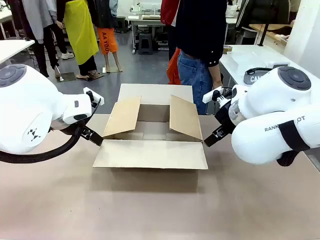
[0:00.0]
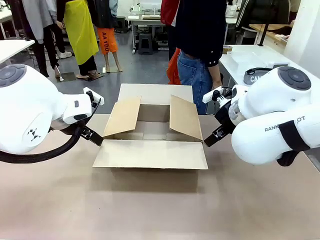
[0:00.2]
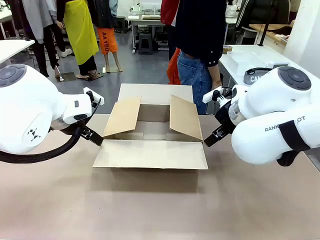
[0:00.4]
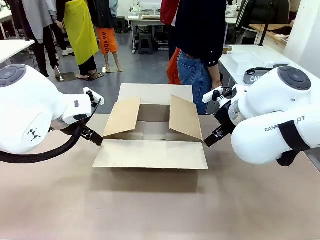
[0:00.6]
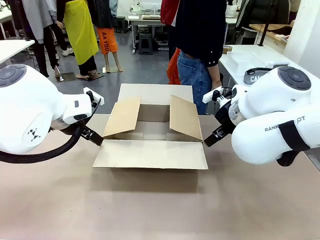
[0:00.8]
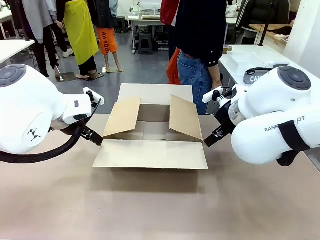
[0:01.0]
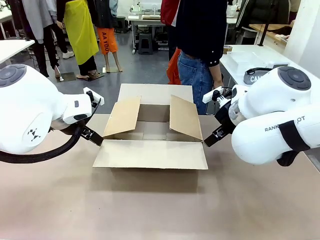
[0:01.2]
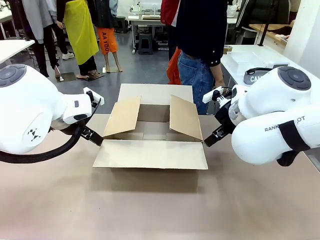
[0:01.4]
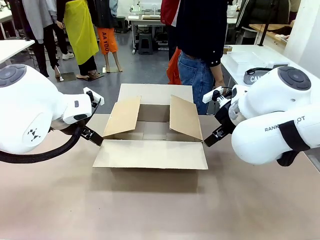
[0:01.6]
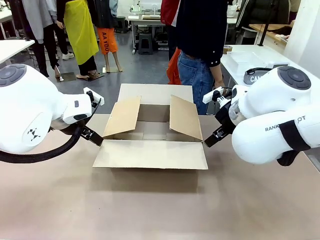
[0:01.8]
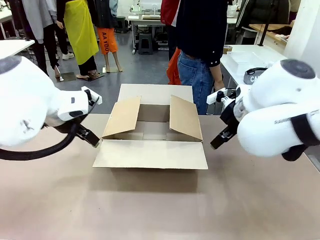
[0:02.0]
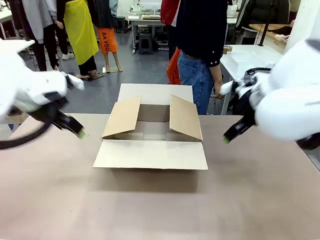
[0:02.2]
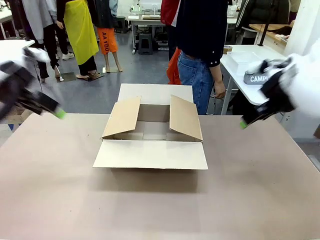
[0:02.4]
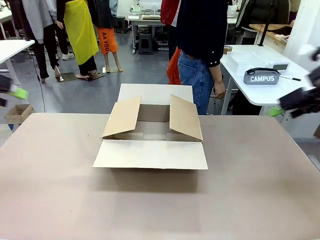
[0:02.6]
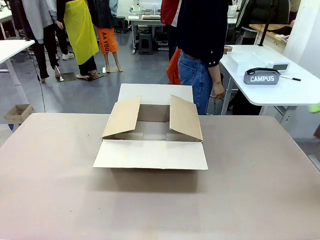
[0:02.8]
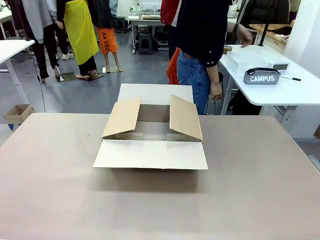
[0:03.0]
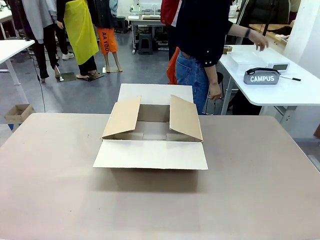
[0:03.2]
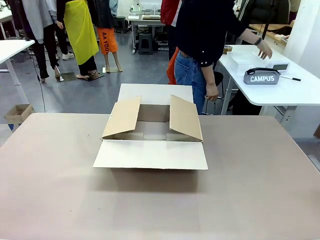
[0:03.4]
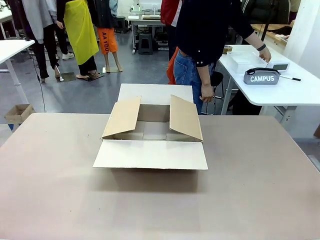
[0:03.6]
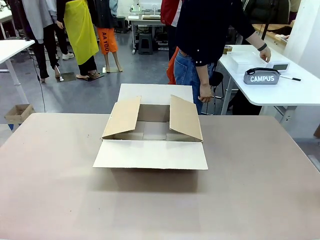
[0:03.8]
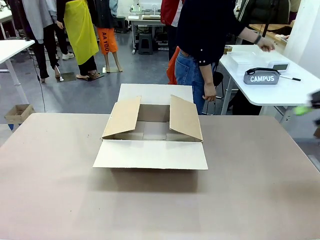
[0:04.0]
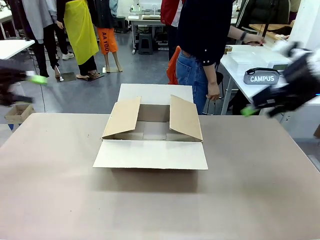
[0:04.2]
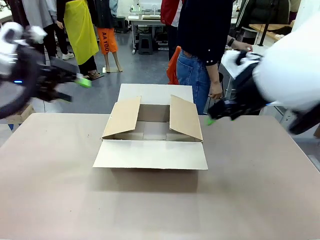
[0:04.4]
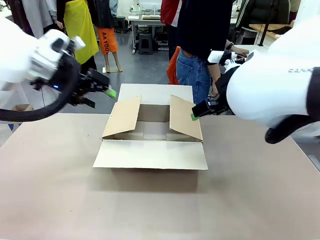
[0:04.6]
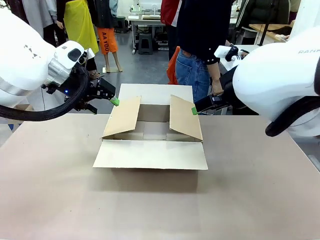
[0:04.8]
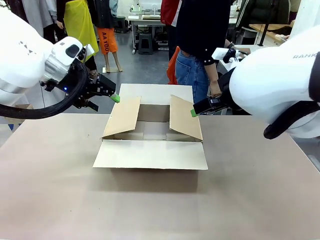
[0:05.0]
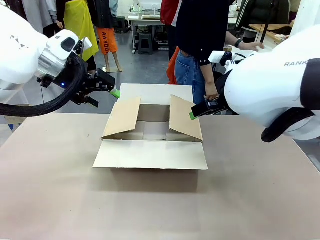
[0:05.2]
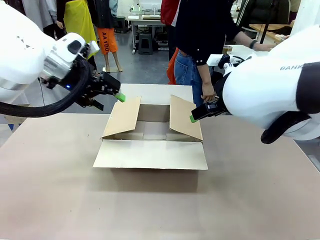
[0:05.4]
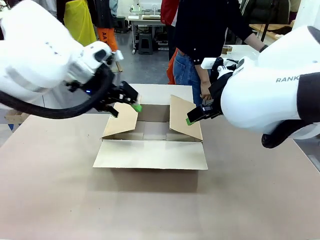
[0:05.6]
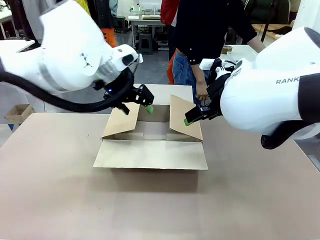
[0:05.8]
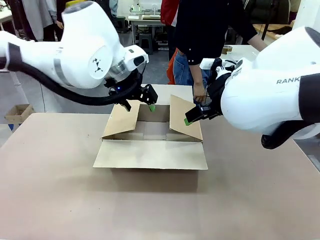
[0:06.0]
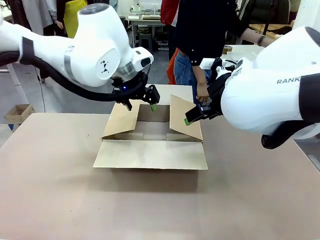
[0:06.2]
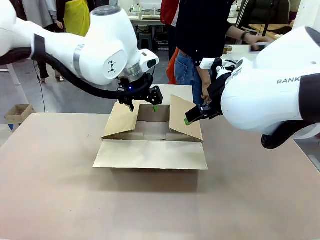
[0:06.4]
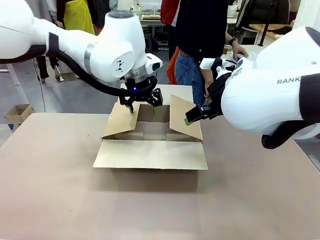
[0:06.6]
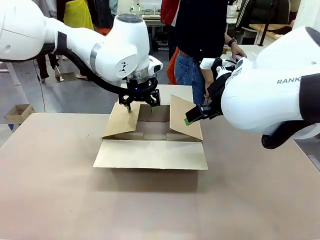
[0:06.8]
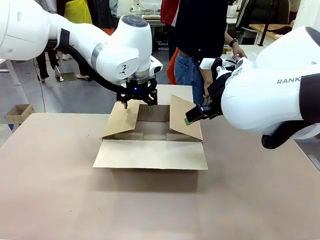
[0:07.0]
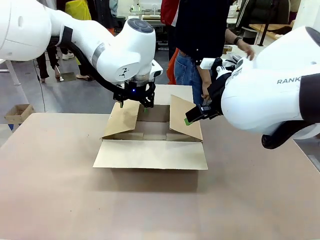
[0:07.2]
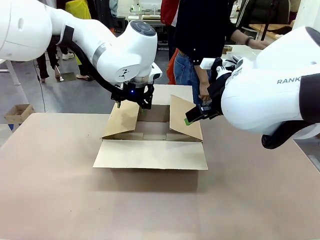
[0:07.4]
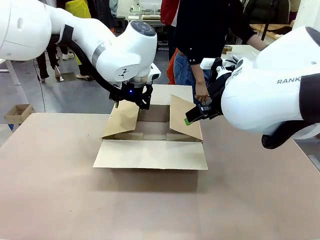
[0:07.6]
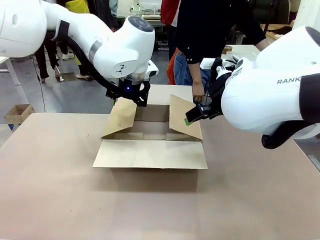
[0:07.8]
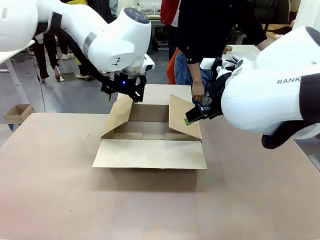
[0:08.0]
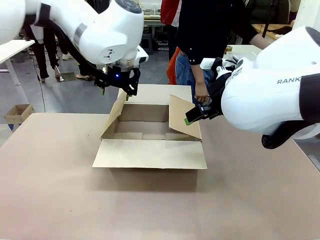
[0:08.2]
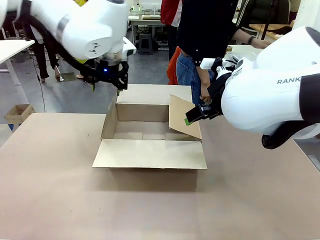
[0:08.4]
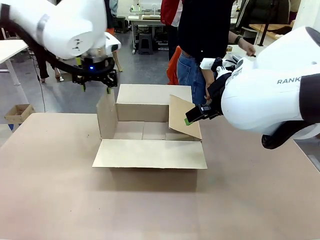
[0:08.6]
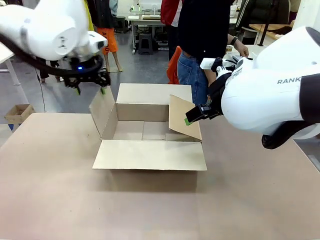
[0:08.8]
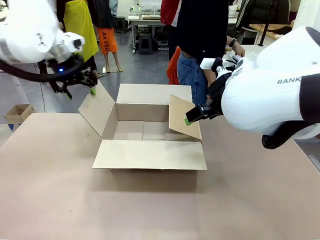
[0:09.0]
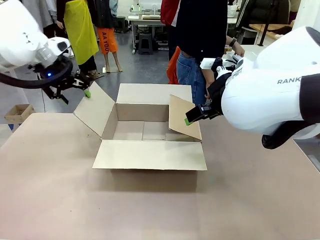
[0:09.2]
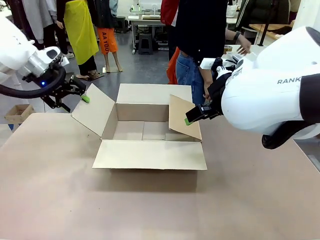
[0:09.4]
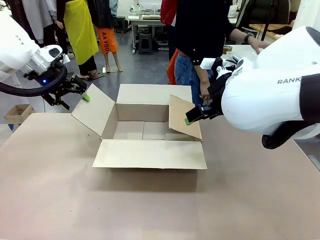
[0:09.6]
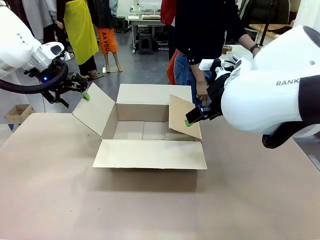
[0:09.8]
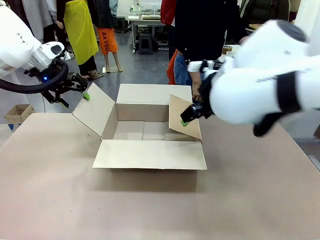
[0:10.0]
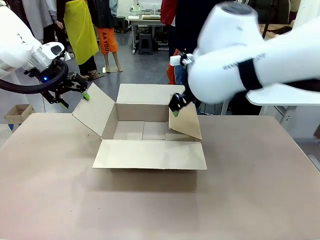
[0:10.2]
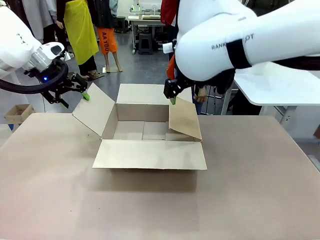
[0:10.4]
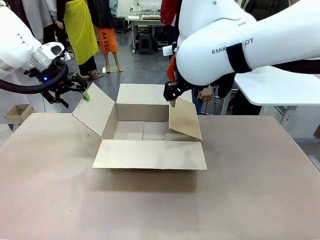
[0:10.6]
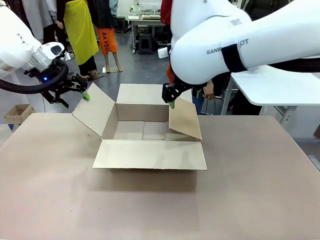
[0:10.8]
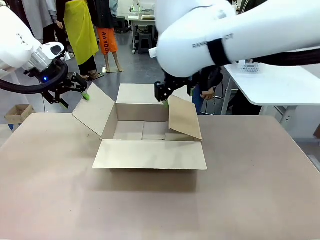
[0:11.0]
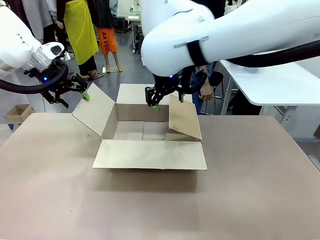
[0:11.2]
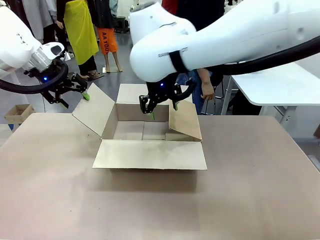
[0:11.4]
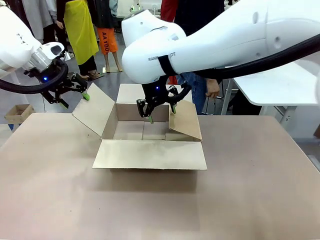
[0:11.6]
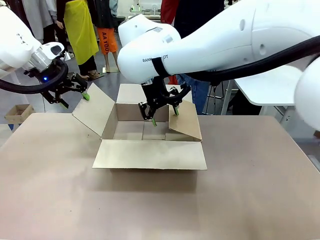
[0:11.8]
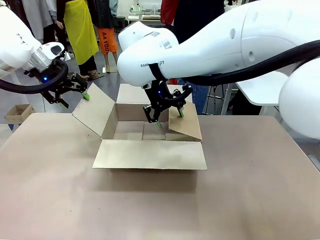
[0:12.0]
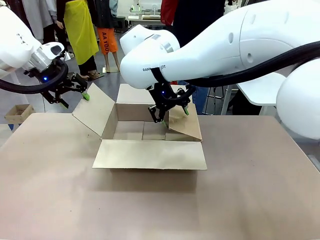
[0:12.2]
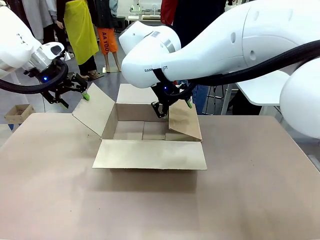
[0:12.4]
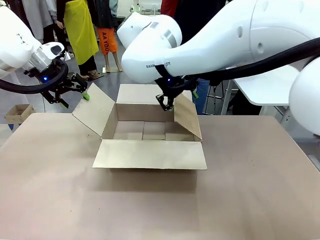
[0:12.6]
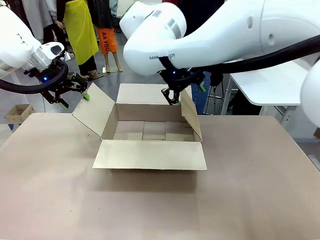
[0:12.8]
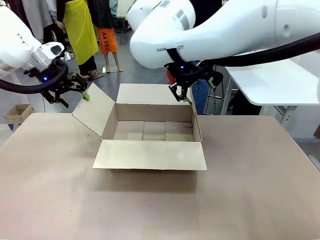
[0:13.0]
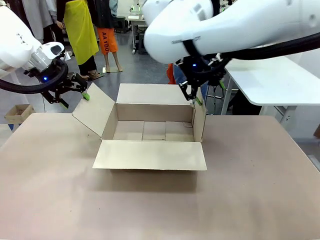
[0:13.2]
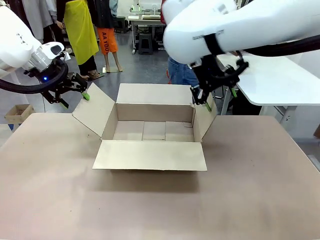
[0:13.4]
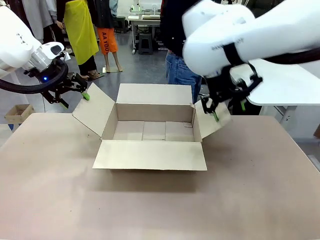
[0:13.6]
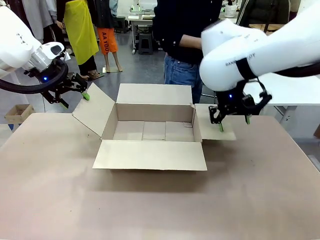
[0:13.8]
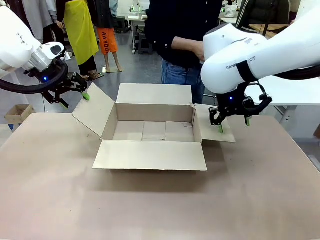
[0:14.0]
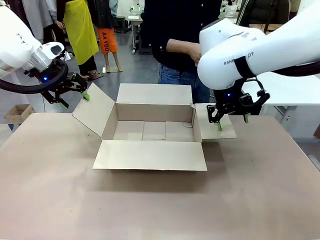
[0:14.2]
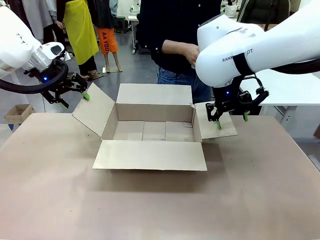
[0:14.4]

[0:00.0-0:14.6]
Task: Pack the gift set into the box.
Robot: Place both hands on the side flaps of the Package Box and spread them outward.
Person: The human places all items except the paper tape into the organizing basket.

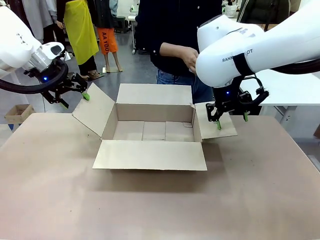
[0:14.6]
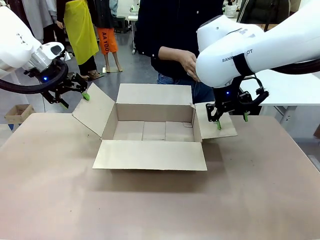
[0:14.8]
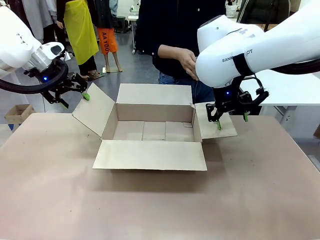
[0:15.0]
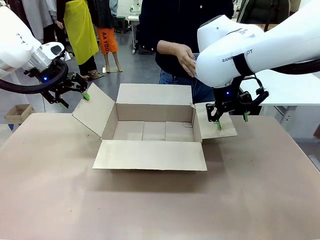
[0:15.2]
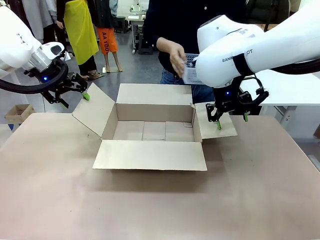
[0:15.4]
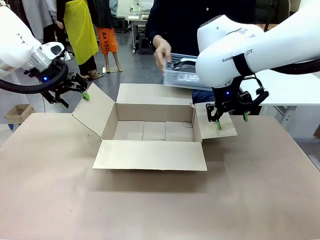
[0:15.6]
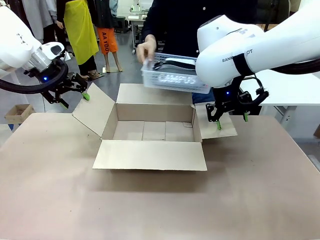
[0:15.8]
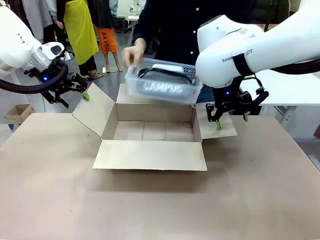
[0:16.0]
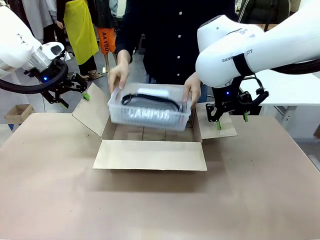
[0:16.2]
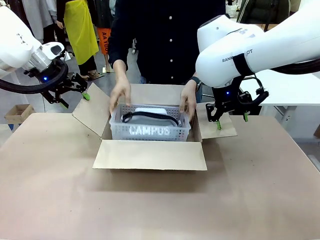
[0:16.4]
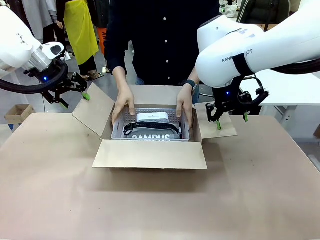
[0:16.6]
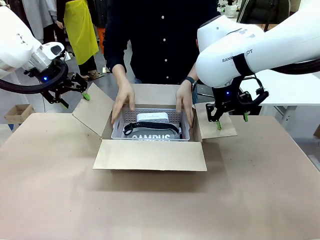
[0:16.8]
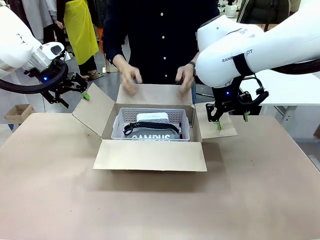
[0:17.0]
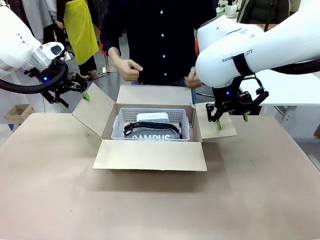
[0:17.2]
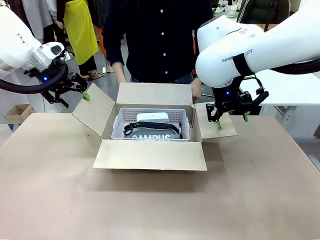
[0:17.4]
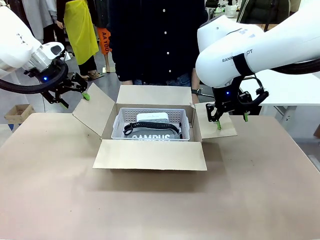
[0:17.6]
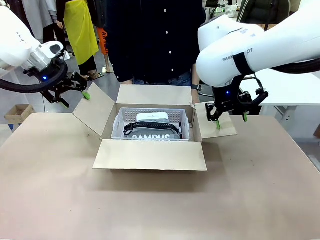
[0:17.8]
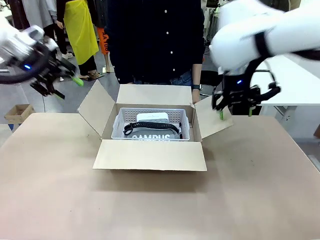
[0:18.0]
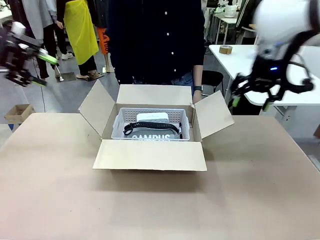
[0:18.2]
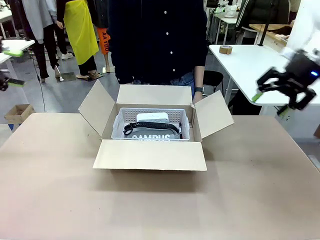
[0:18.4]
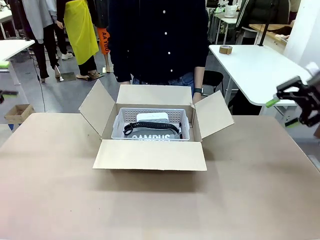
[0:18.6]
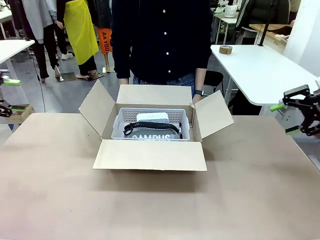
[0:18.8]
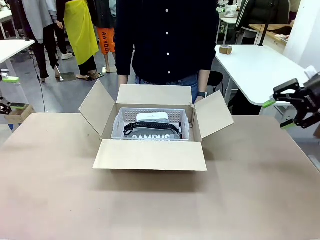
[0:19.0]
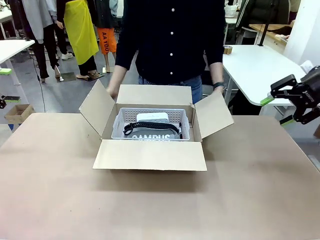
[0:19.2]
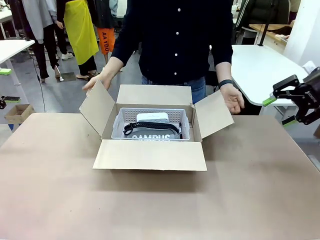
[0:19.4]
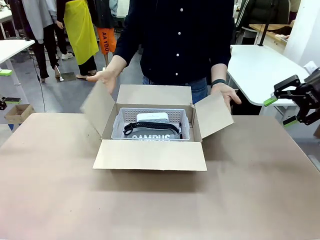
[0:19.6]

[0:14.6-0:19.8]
Robot: Lift both hands away from the flaps of the Package Box.
Person: The human picks up the organizing basket and places the organizing basket into the package box on the robot table.
